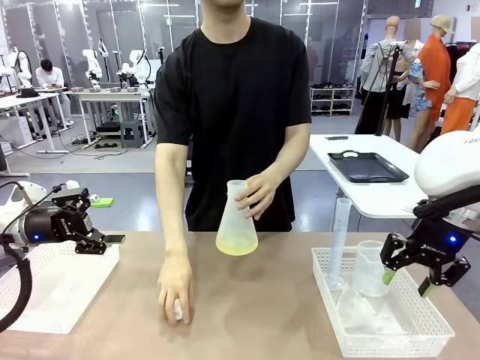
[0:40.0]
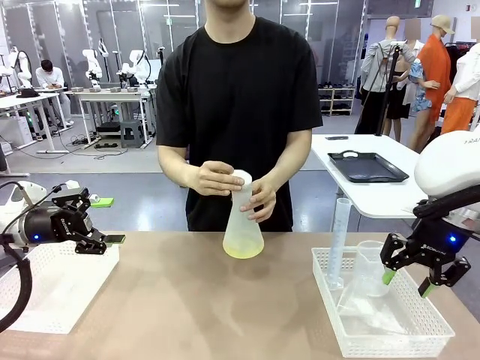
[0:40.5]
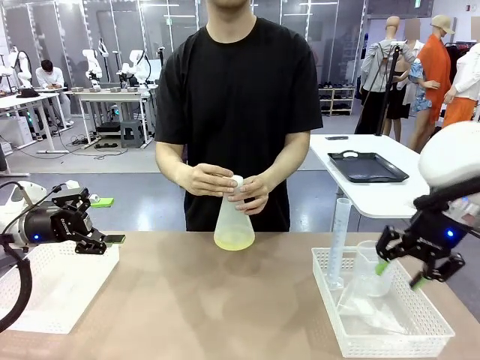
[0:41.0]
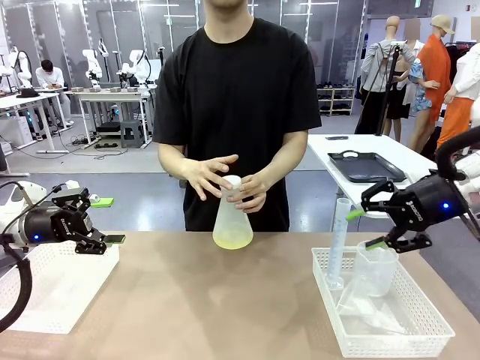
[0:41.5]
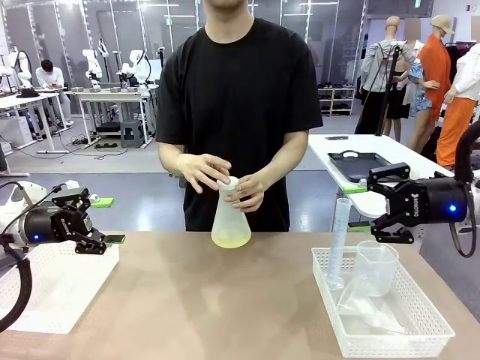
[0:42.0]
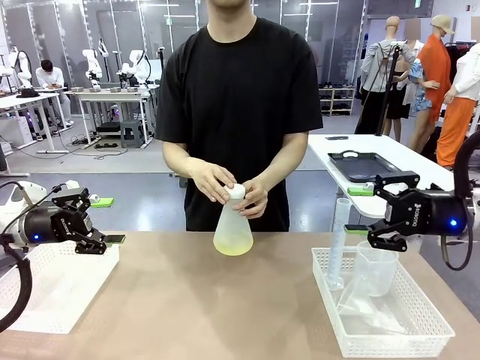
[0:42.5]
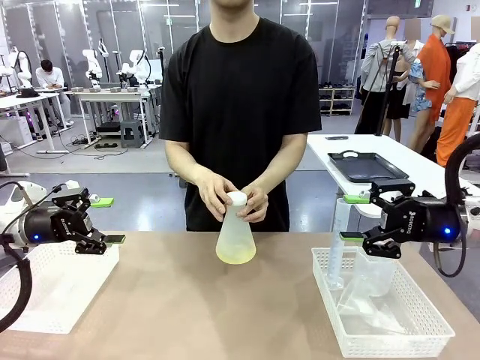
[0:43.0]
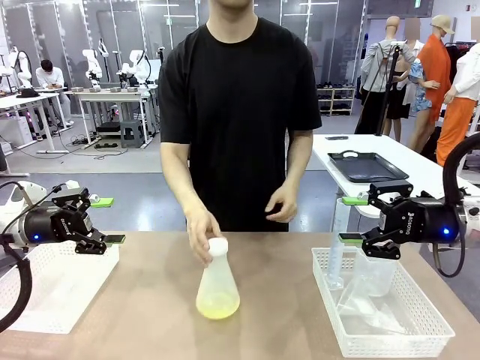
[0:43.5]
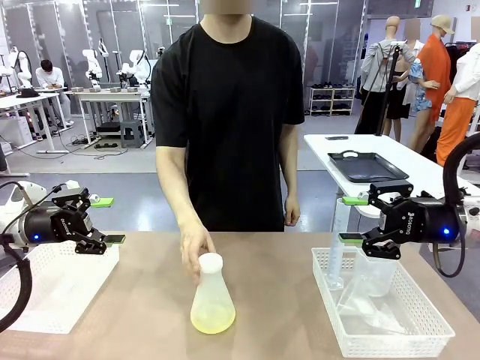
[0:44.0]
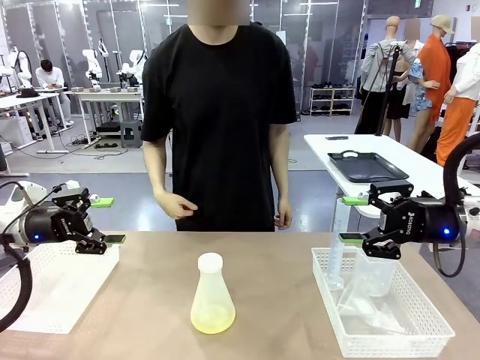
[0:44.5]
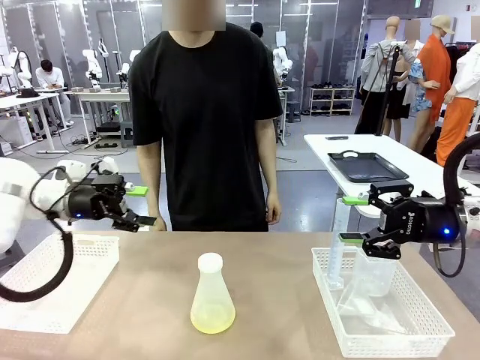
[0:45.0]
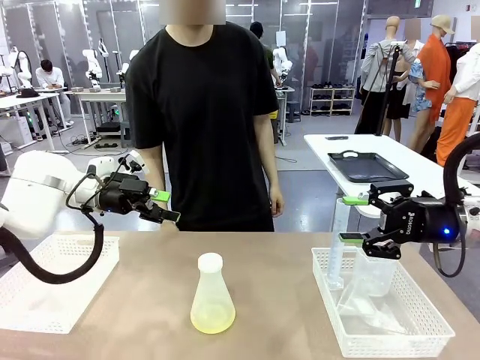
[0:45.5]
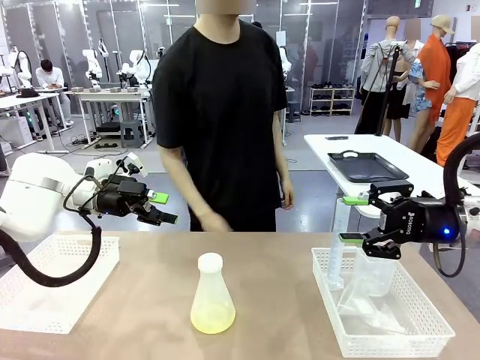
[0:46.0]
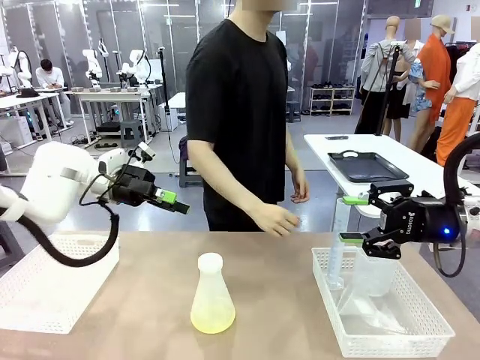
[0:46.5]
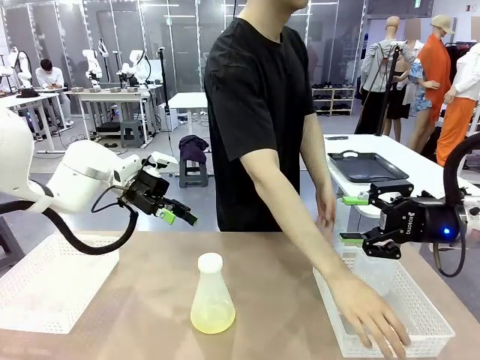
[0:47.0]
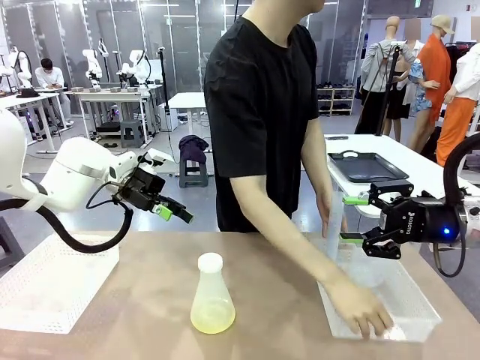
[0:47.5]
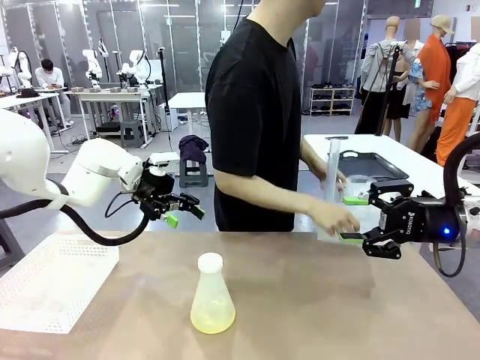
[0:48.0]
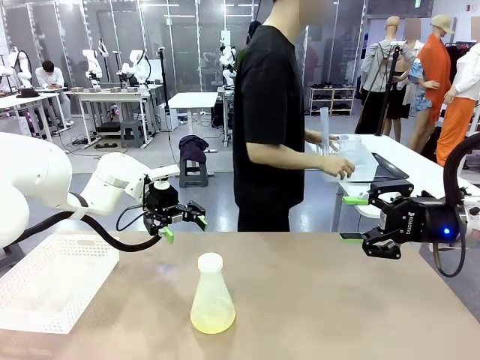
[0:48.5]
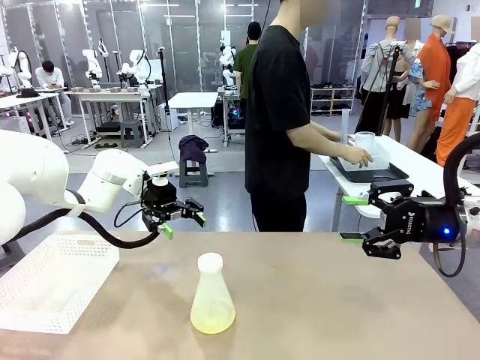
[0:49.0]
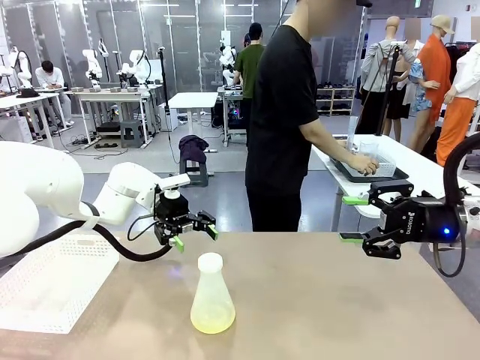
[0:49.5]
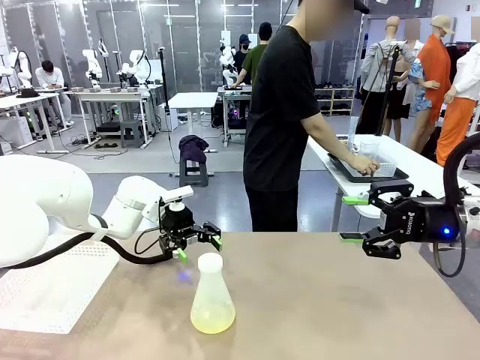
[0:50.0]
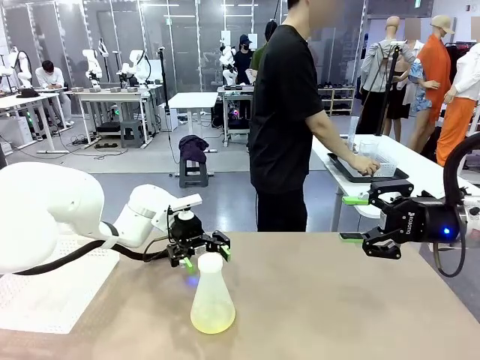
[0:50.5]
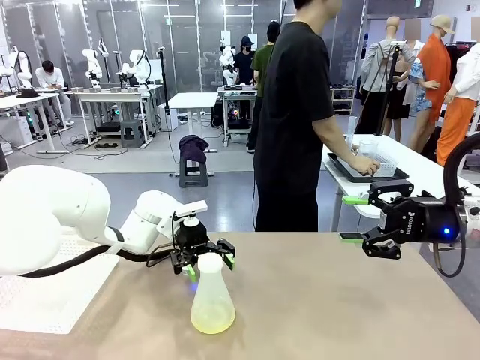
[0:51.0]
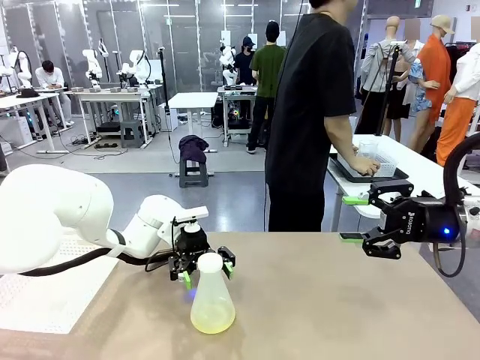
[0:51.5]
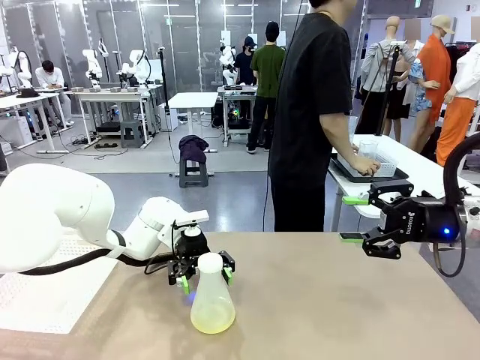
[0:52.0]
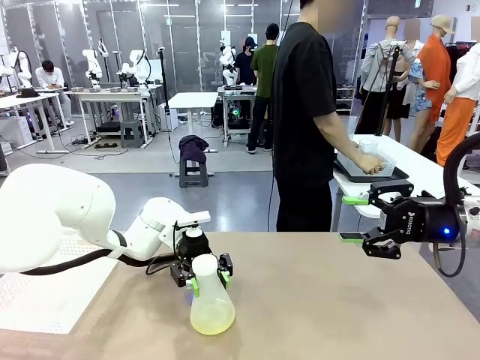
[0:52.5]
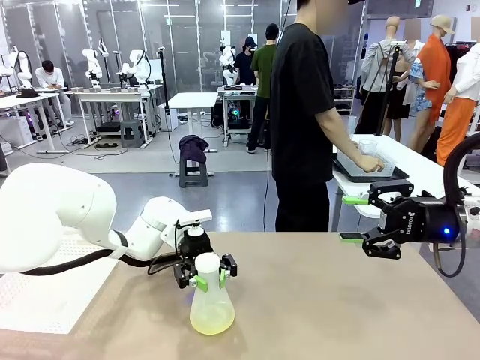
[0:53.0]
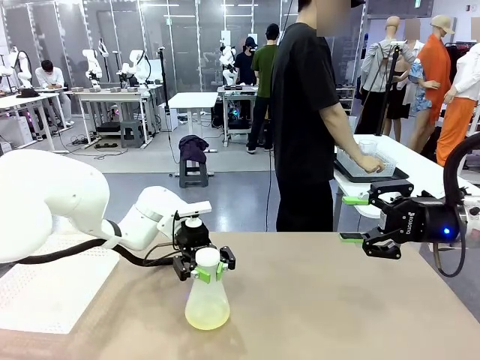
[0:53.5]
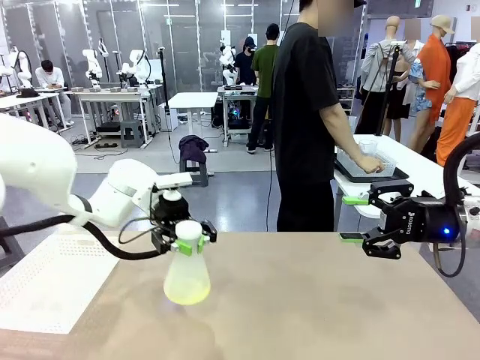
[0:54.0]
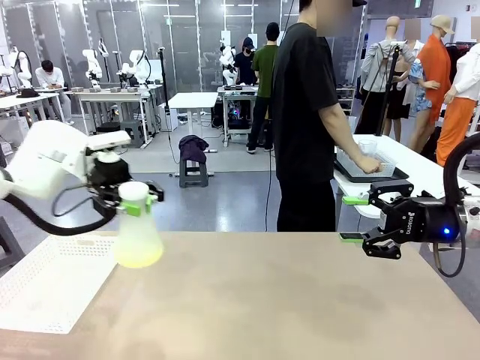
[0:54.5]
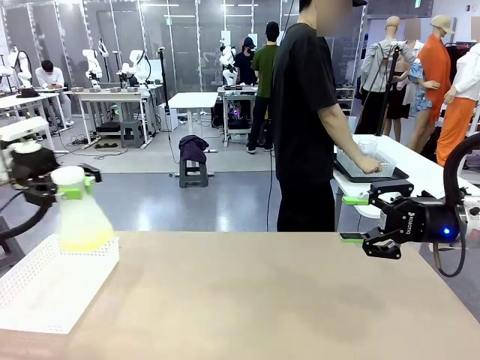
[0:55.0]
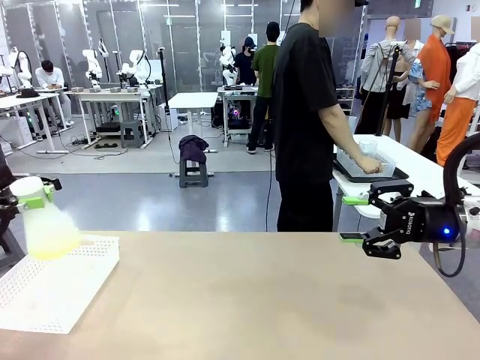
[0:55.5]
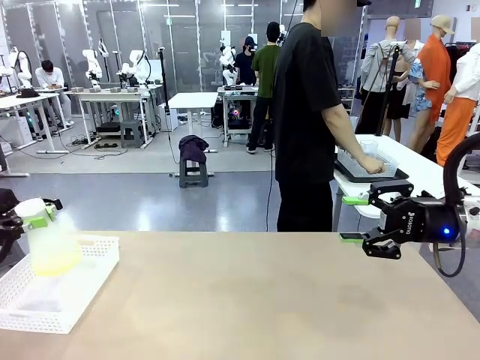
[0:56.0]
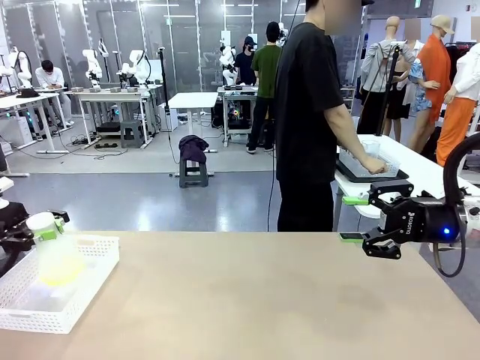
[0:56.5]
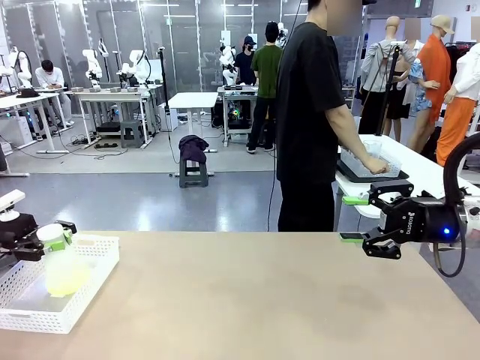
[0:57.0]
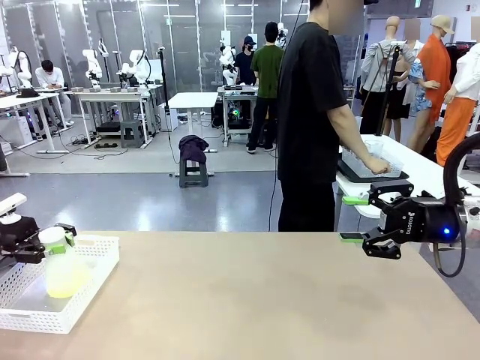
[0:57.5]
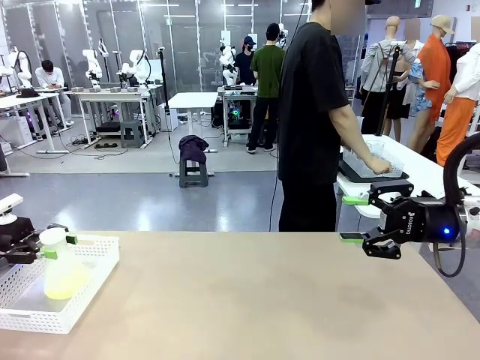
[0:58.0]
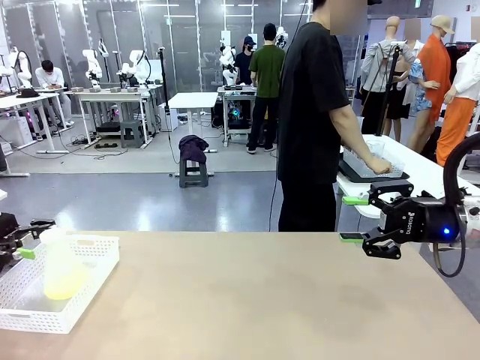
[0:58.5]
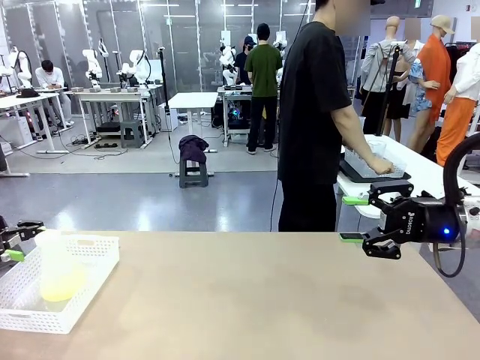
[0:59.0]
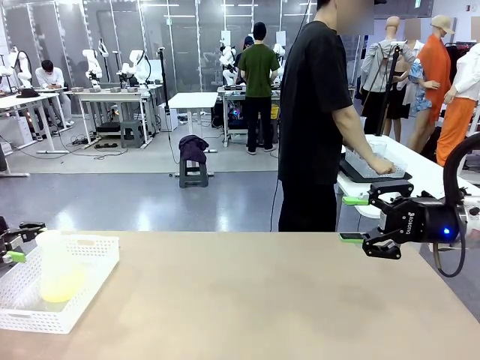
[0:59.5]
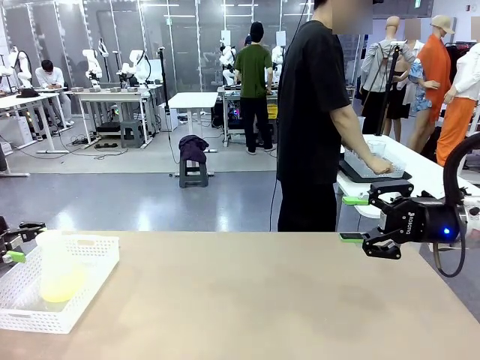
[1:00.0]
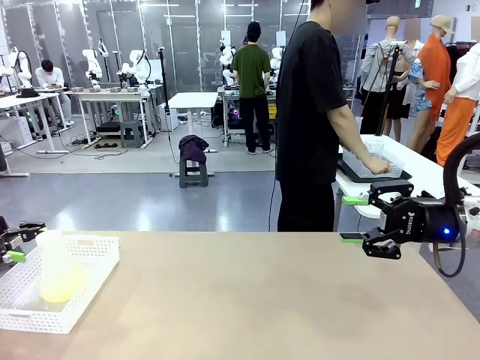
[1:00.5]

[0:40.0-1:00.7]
Task: Prepare the solutions needed for the experiment.
Robot: When the human places the Big flask in the center of the table, pick up the Big flask and place it in the left Organizing basket.
Person: Pick up the organizing basket on the left side of the robot table and place it on the left side of the human table.
